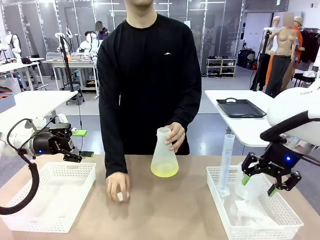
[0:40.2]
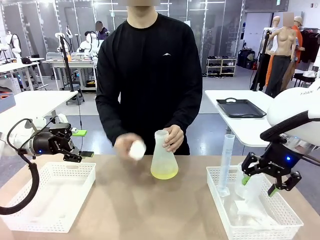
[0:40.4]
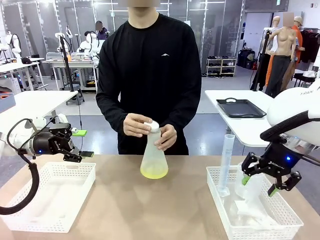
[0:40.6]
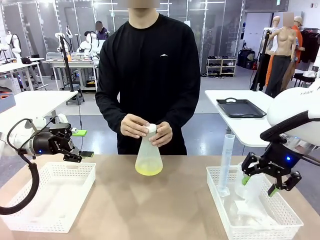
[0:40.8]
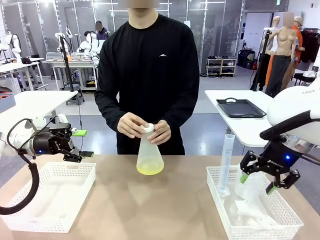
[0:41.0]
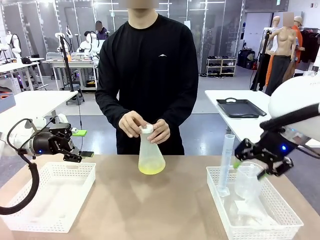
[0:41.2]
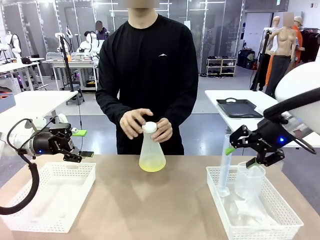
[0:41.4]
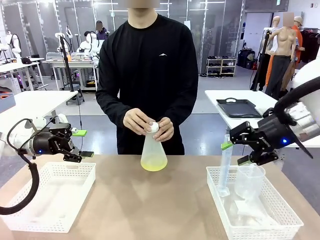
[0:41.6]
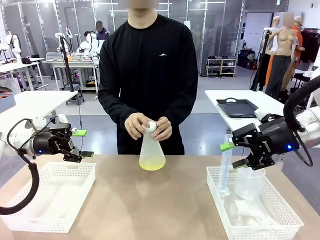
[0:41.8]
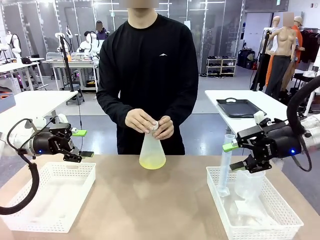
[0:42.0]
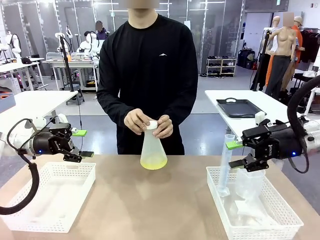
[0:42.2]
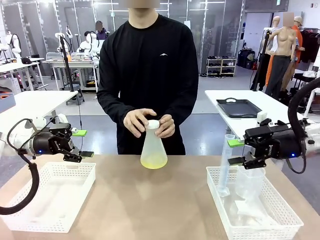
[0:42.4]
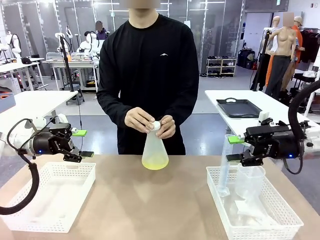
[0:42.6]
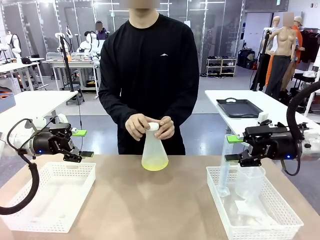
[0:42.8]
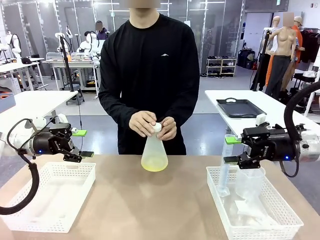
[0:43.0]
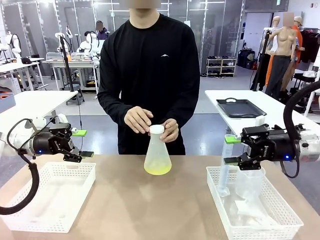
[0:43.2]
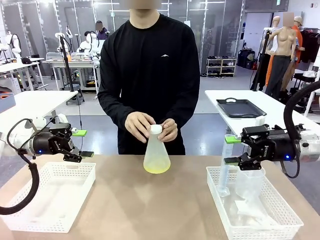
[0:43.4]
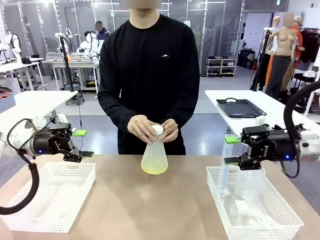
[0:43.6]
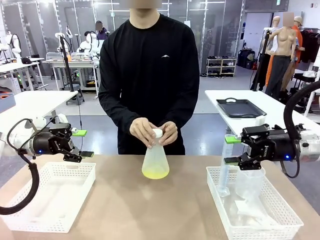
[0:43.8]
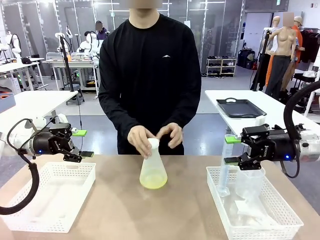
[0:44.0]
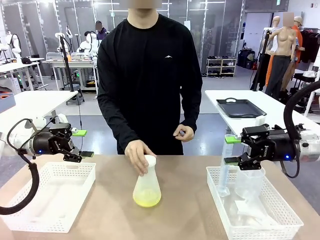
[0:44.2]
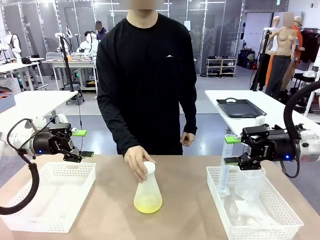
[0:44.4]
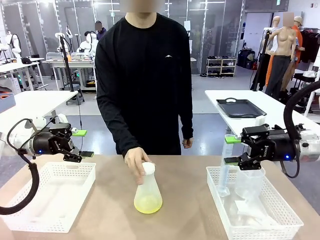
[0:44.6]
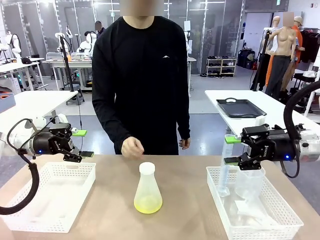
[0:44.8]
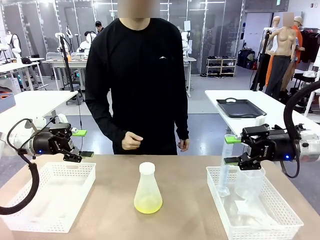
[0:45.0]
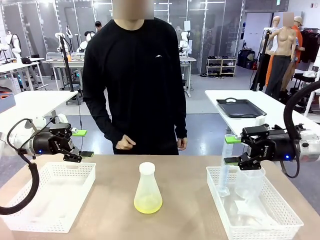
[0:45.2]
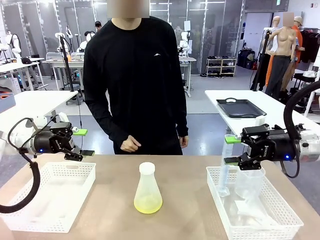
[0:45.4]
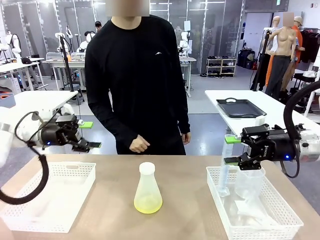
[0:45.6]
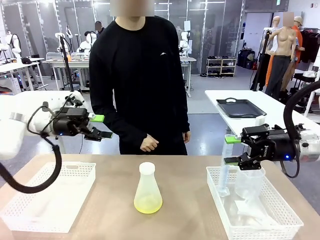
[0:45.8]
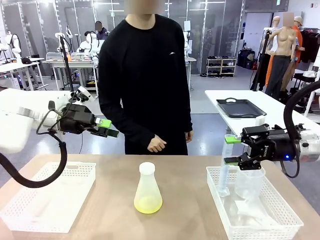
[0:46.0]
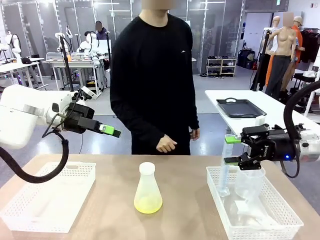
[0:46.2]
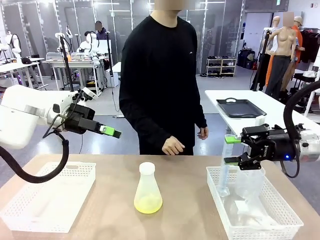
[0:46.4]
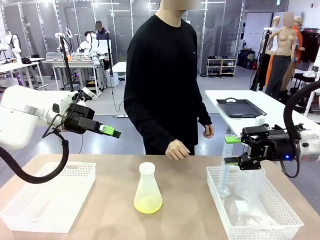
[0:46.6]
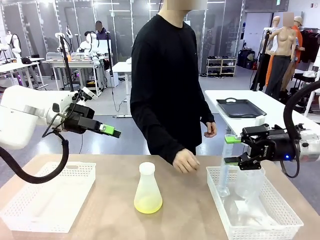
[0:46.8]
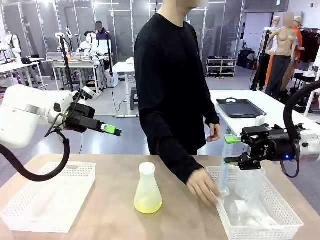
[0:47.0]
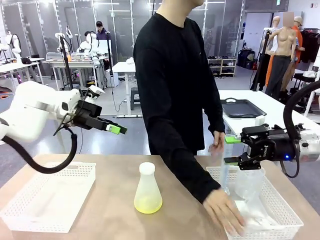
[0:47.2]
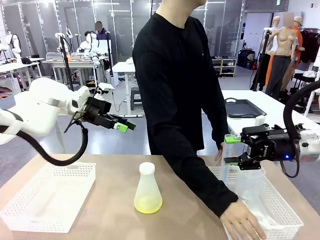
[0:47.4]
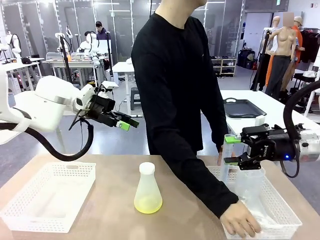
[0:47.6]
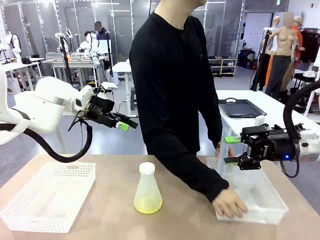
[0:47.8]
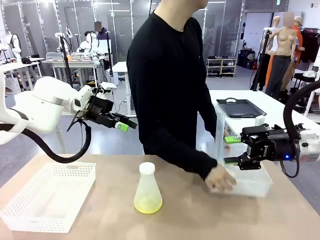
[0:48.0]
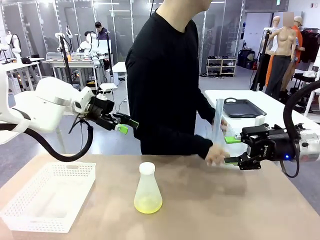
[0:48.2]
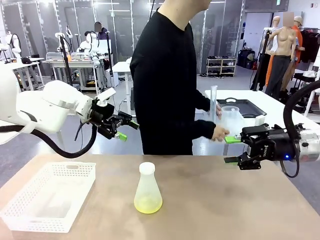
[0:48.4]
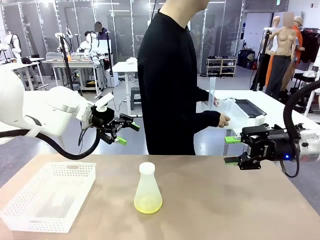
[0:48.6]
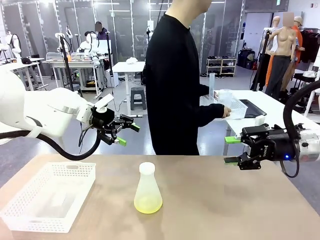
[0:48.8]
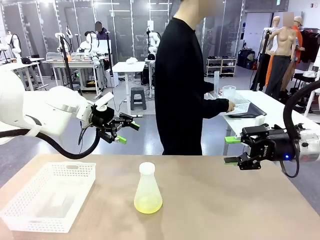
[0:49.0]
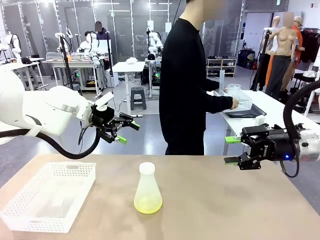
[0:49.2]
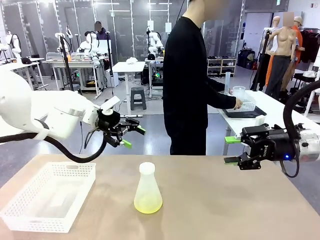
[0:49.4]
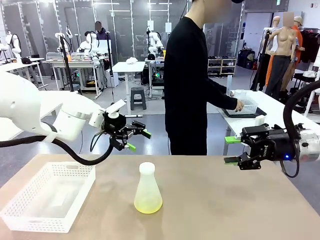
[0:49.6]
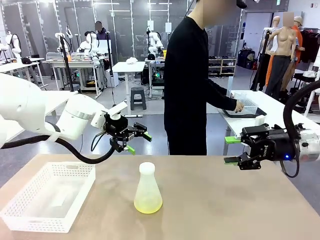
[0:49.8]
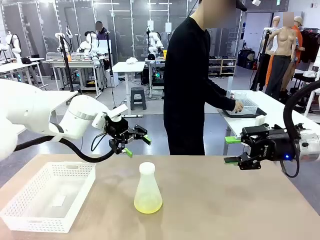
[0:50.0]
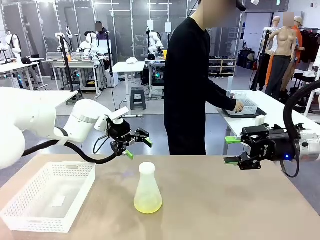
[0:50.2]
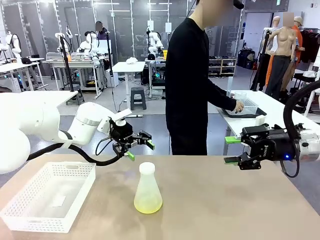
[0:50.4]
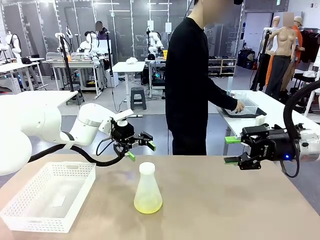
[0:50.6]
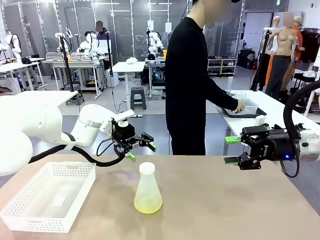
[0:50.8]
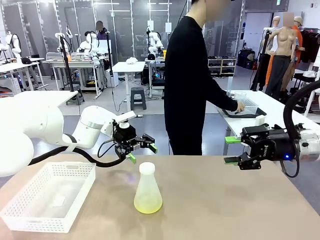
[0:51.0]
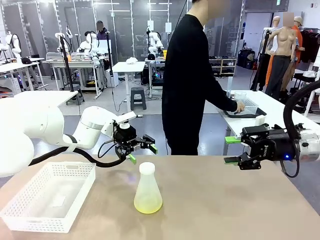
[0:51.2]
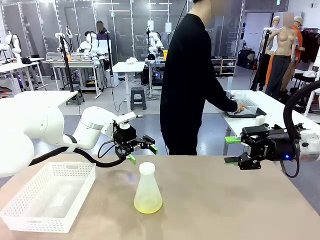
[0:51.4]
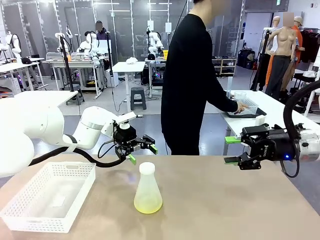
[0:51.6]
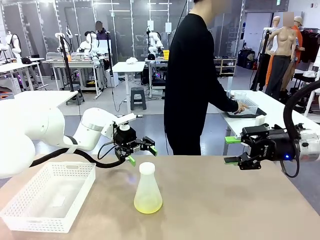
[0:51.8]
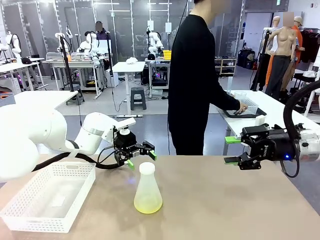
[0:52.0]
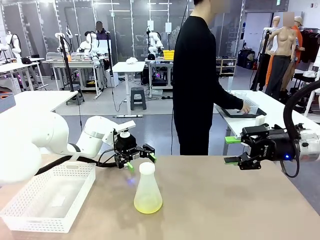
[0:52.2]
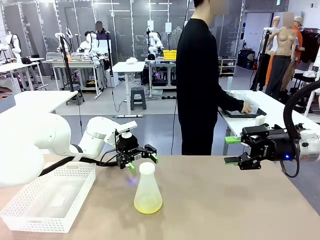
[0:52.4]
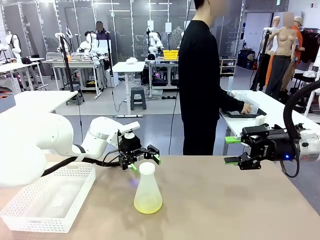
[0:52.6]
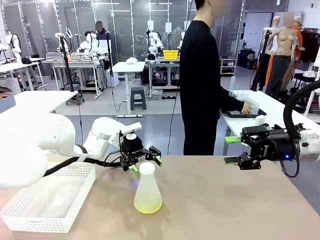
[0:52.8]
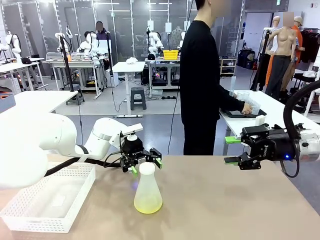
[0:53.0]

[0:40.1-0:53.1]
Task: Prepare the solutions needed for the experiment.
Robot: When the human places the Big flask in the center of the table, pick up the Big flask and place it in the left Organizing basket.

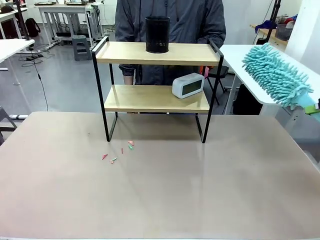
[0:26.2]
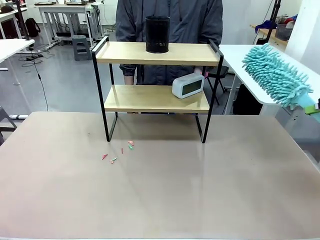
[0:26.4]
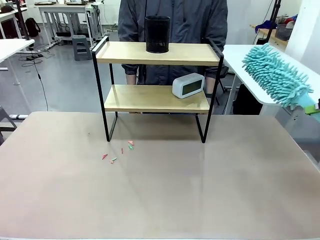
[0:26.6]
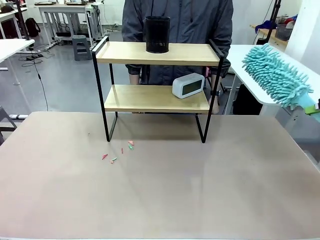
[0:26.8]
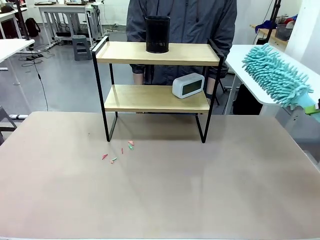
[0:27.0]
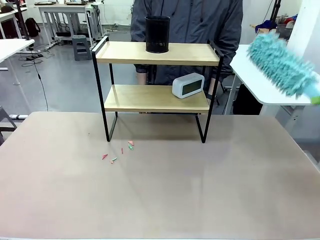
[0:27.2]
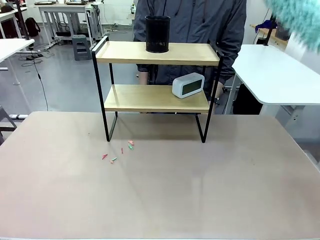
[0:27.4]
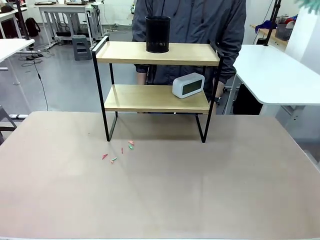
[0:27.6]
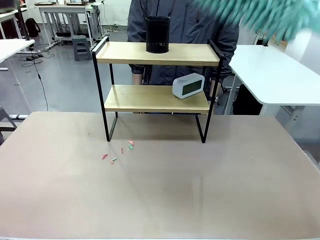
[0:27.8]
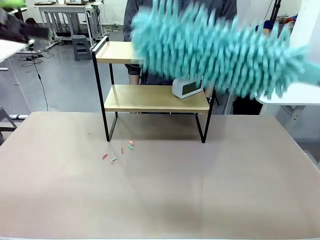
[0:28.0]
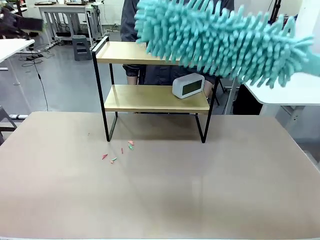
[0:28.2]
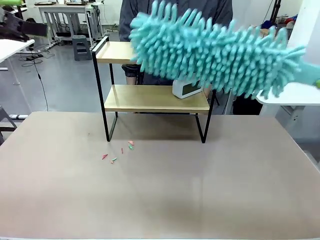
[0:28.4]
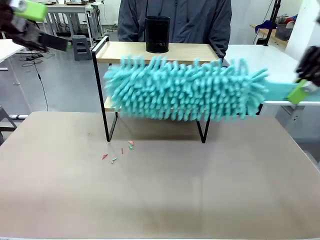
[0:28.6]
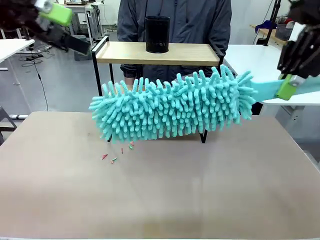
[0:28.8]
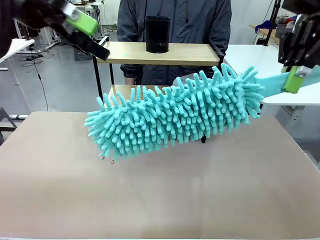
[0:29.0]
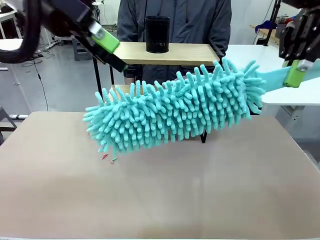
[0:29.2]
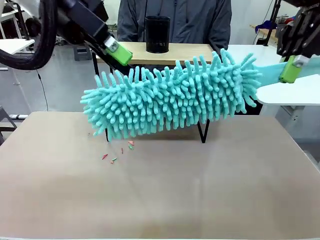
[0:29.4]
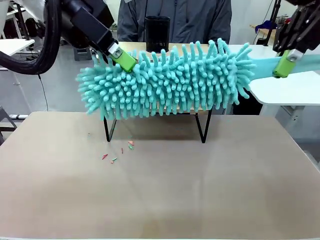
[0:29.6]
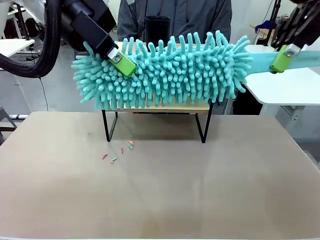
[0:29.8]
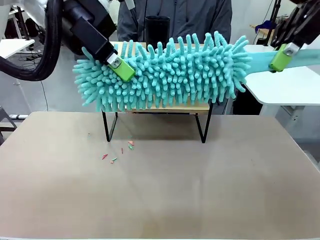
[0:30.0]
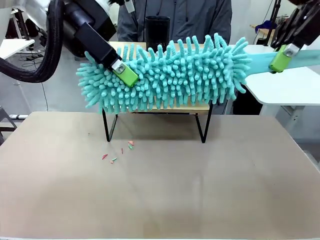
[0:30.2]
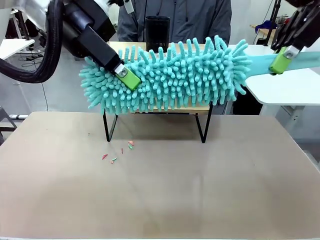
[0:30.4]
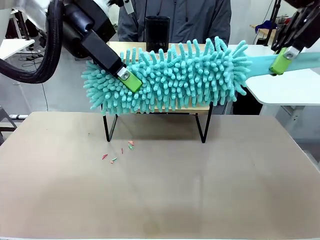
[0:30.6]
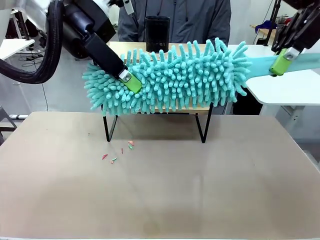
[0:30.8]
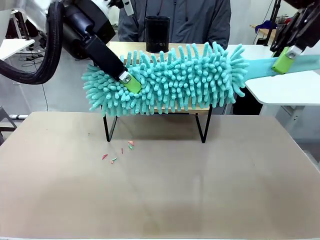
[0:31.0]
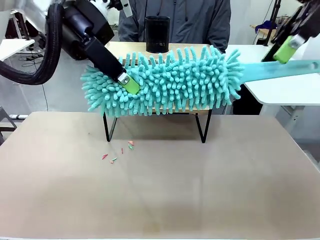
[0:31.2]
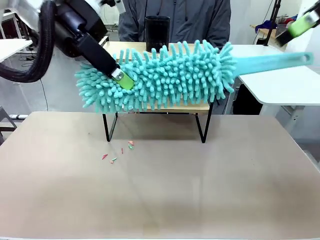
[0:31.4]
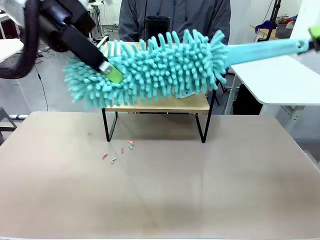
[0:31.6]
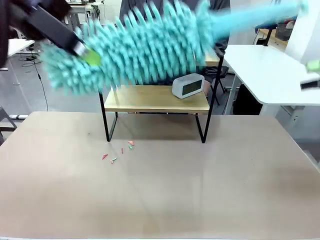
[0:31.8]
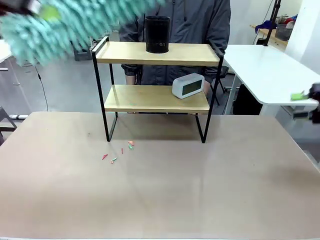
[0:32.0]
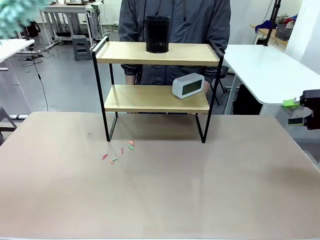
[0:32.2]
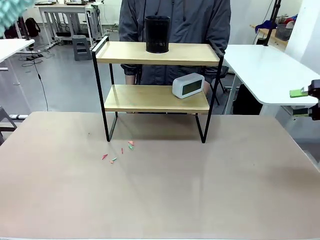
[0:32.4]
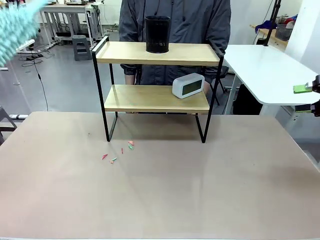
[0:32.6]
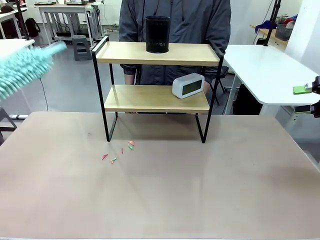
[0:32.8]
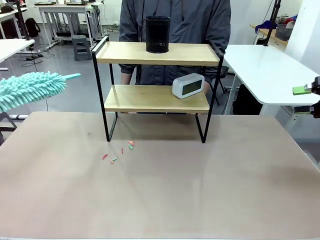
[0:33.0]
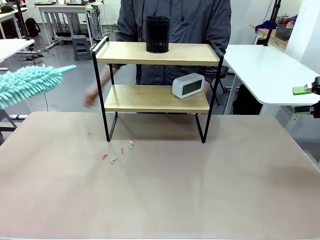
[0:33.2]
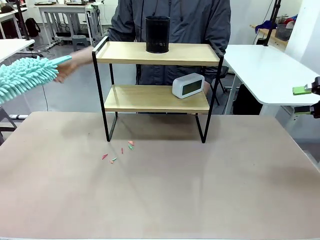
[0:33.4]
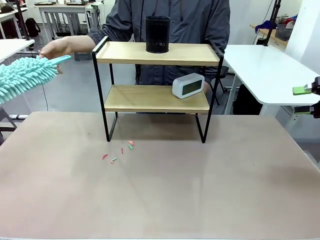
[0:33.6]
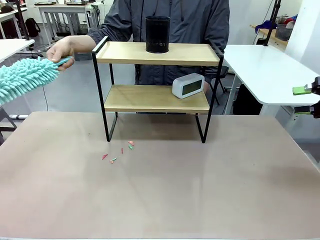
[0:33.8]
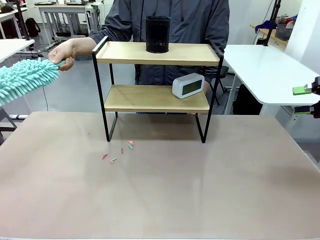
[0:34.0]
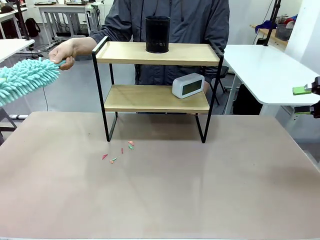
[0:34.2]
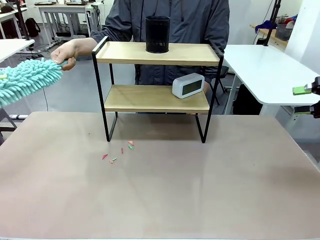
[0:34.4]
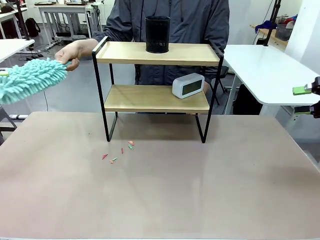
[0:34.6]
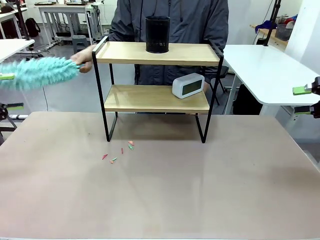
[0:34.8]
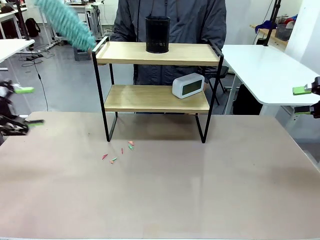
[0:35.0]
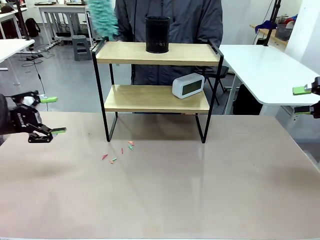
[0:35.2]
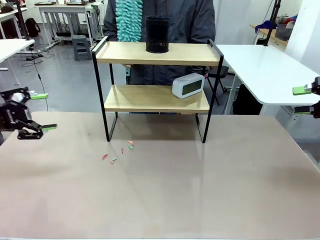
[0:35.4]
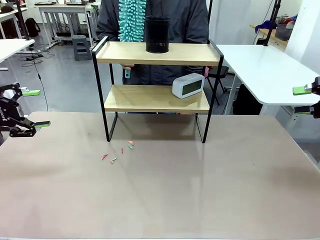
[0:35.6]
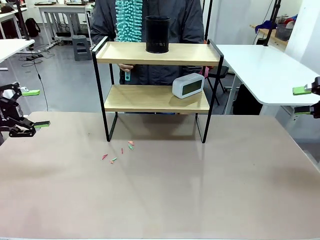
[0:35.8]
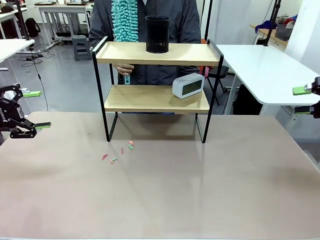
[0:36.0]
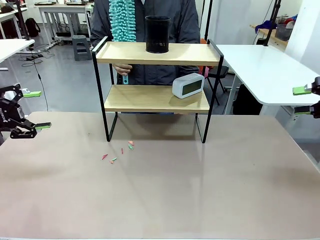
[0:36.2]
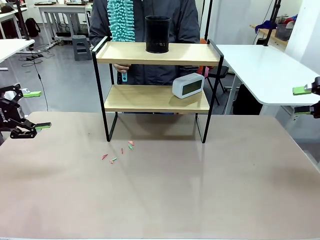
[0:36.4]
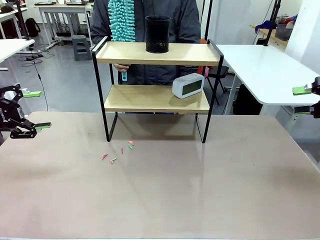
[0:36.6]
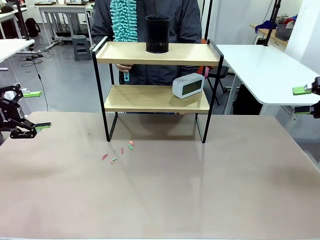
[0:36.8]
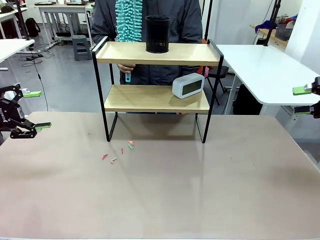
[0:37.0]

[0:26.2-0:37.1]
Task: Clean the shelf.
Robot: Hand the Duster back to the human.
Person: Receive the Duster from the robot.
